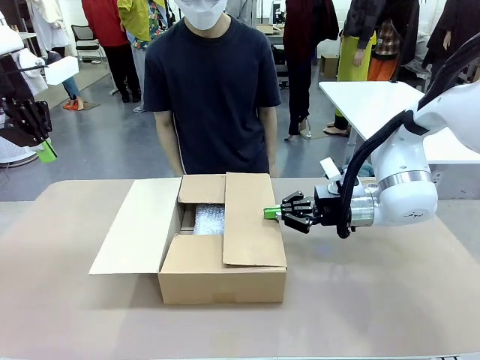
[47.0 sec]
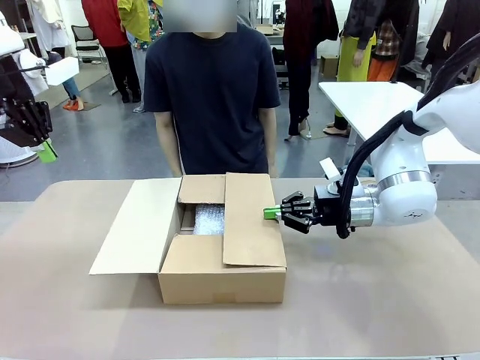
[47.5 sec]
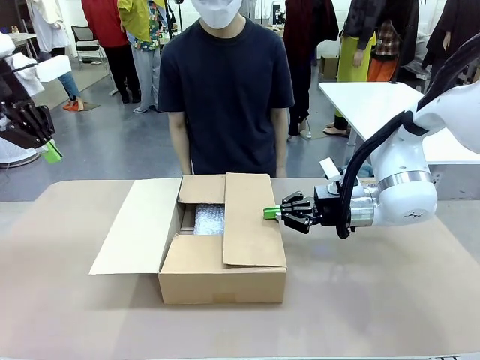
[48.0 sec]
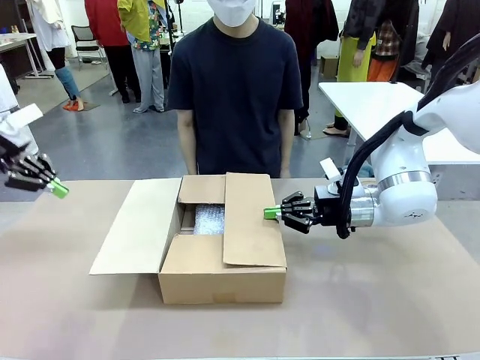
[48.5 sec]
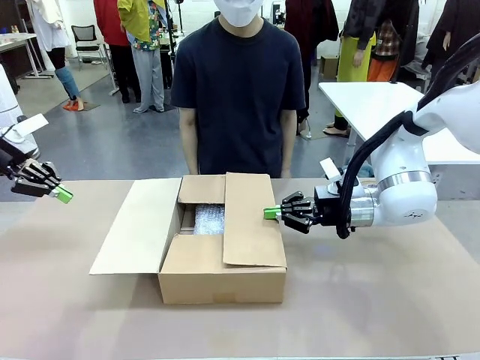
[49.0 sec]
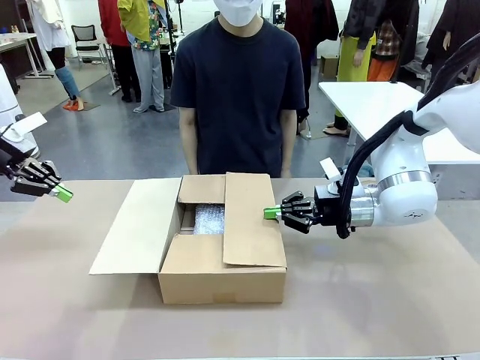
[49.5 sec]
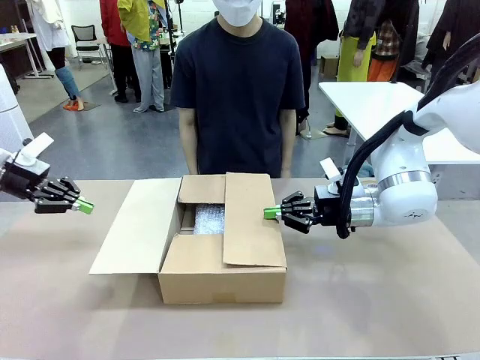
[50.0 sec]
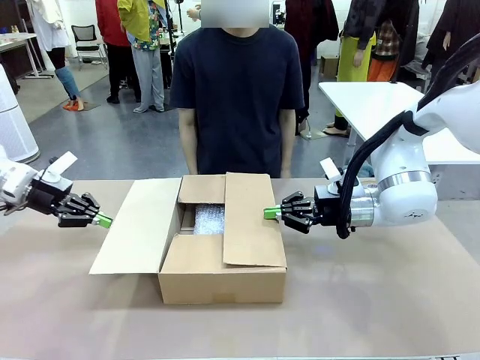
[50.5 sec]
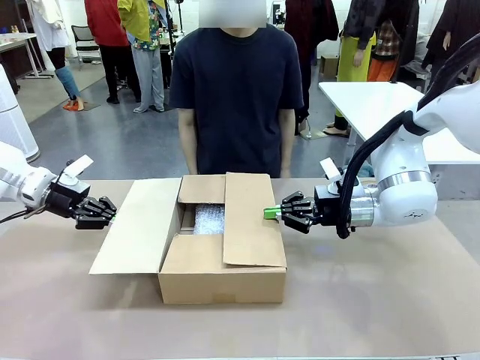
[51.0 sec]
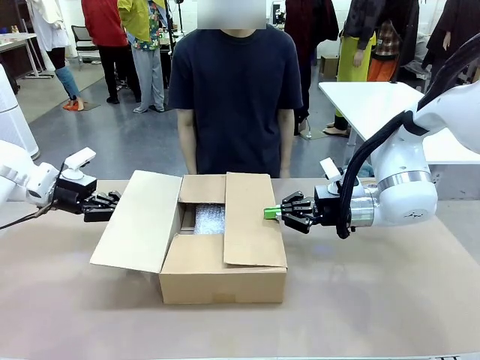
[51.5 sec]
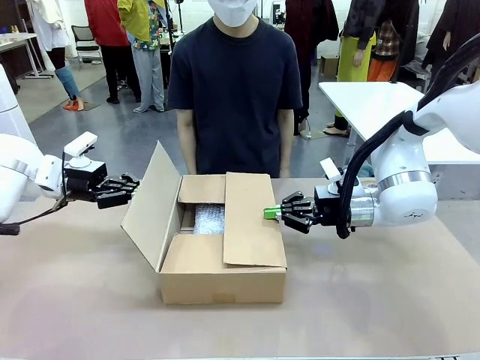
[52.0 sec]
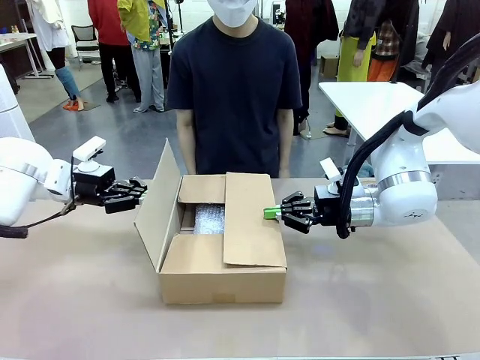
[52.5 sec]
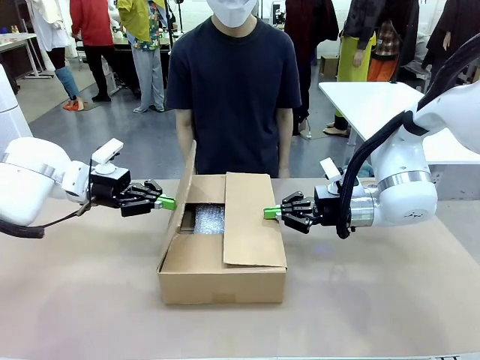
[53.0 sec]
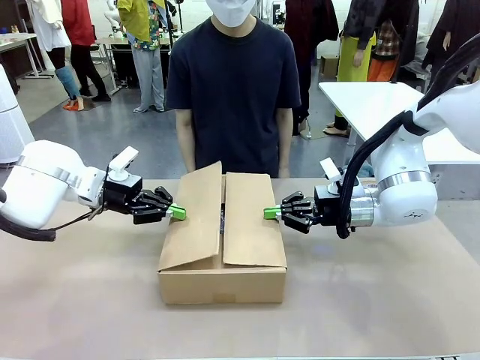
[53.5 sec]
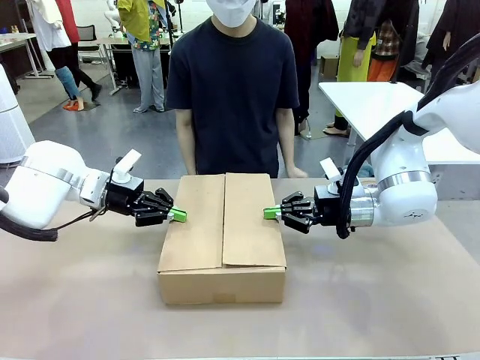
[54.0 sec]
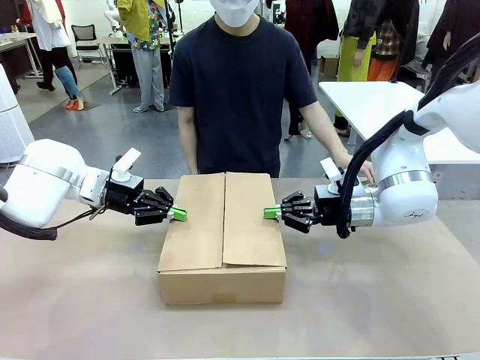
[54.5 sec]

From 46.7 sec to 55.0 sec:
Task: Wrap the clocks to prevent damage.
Robot: Push the left (or right) flap of the Package Box to close it.

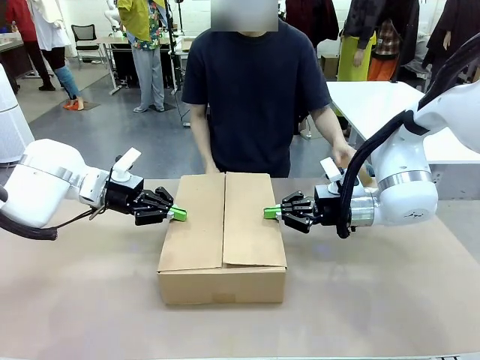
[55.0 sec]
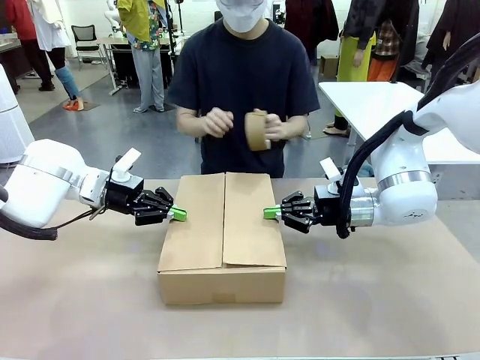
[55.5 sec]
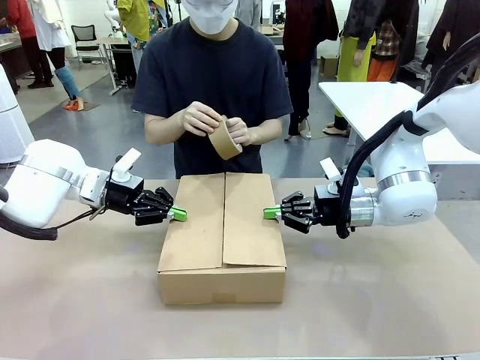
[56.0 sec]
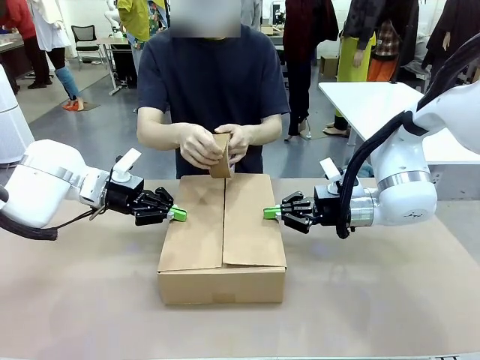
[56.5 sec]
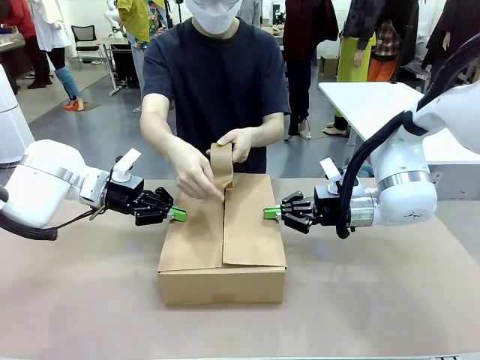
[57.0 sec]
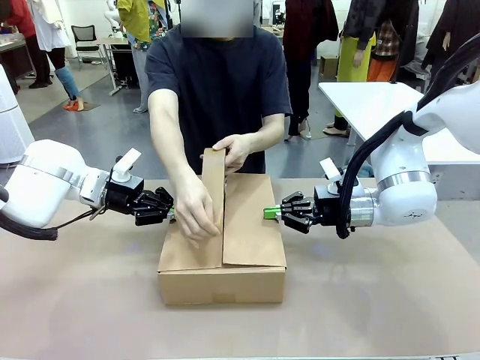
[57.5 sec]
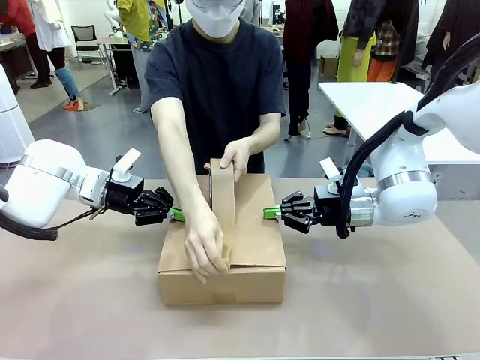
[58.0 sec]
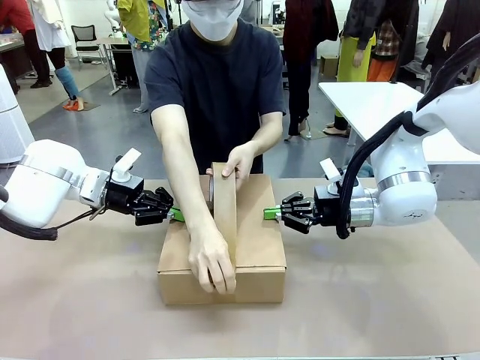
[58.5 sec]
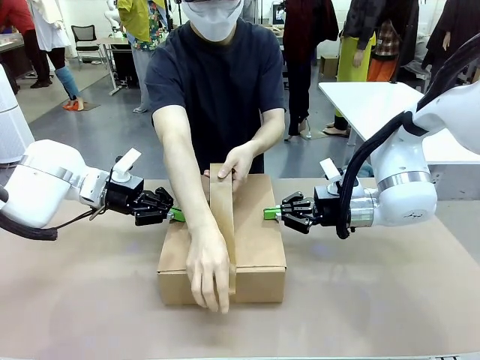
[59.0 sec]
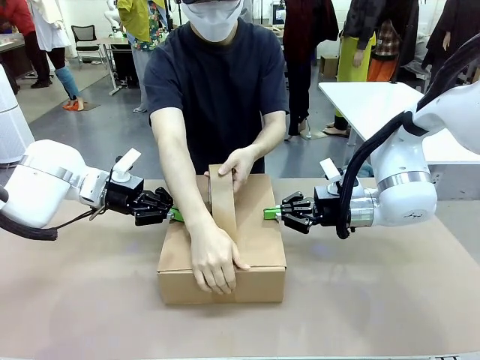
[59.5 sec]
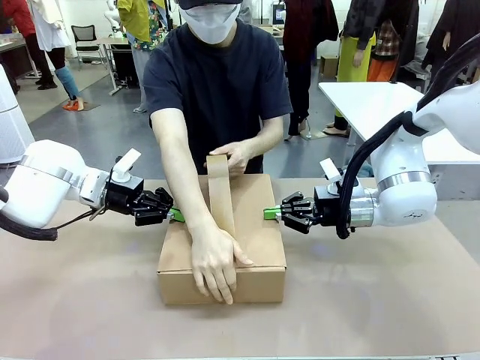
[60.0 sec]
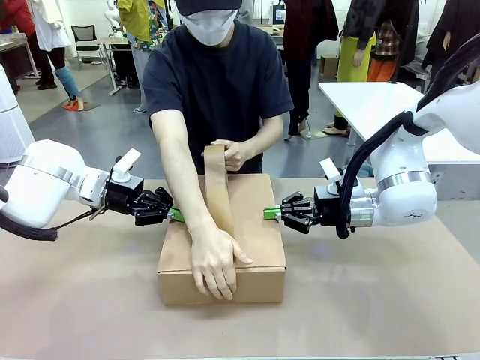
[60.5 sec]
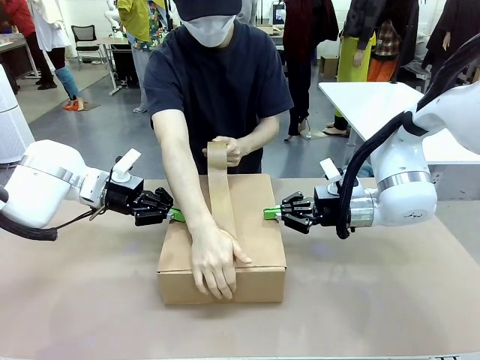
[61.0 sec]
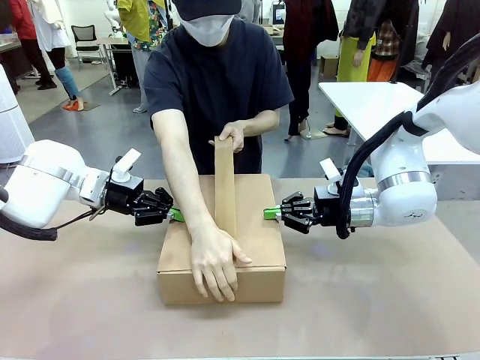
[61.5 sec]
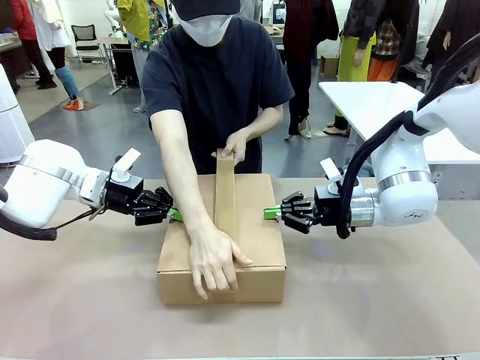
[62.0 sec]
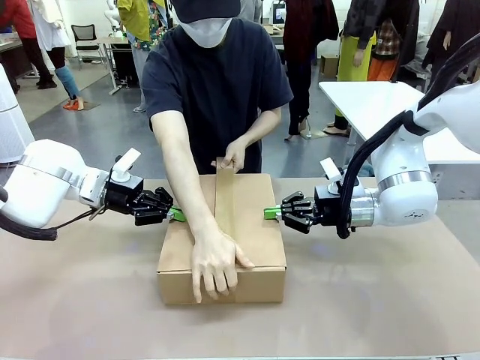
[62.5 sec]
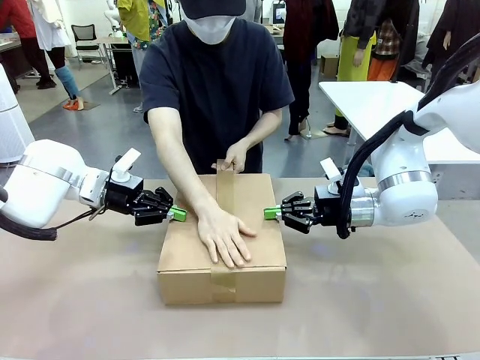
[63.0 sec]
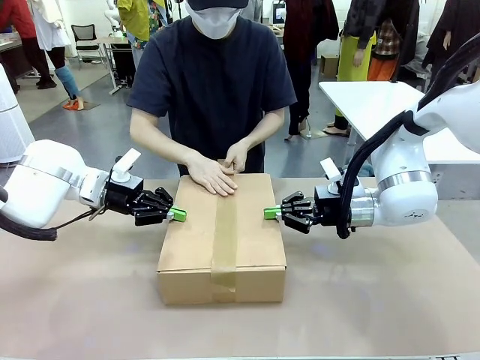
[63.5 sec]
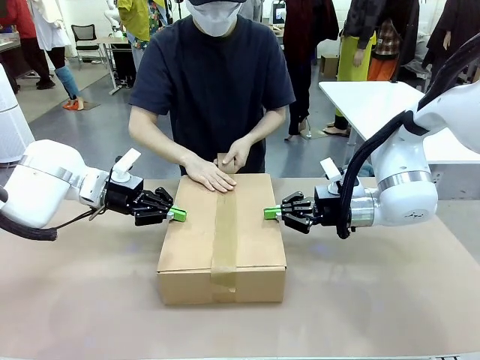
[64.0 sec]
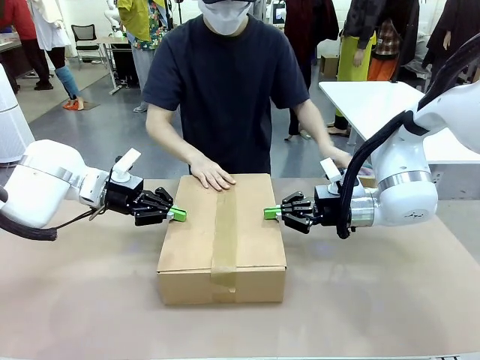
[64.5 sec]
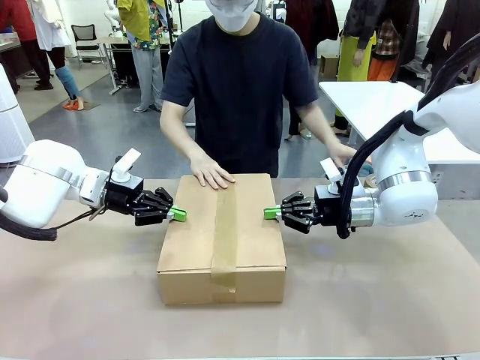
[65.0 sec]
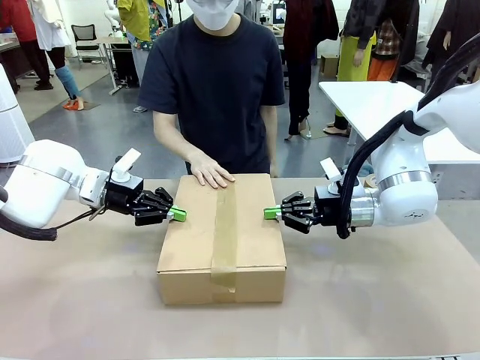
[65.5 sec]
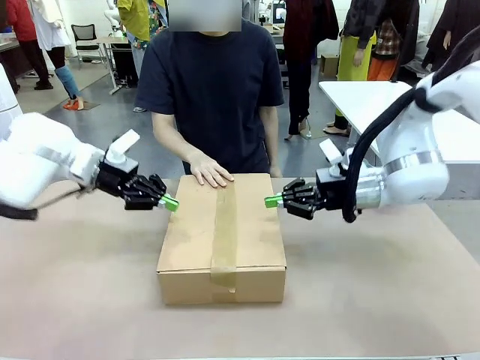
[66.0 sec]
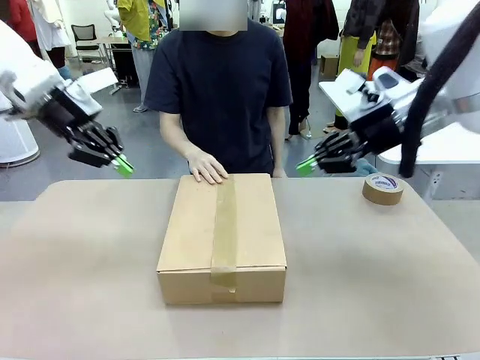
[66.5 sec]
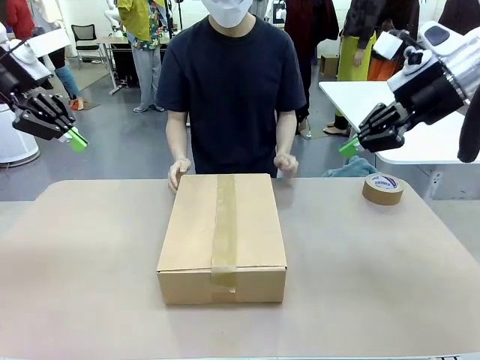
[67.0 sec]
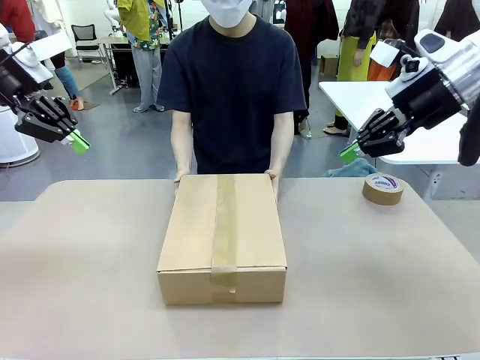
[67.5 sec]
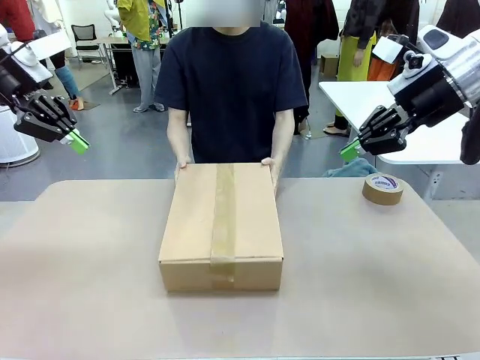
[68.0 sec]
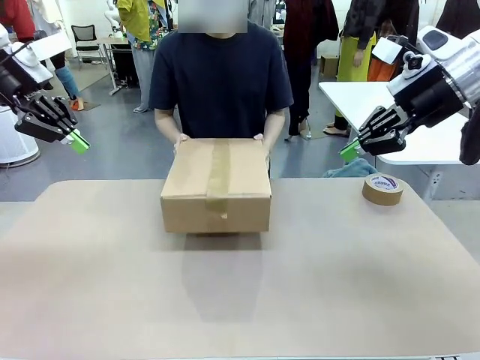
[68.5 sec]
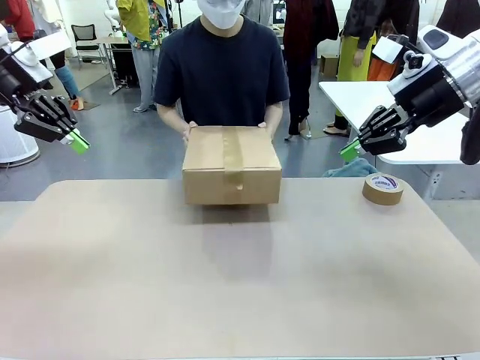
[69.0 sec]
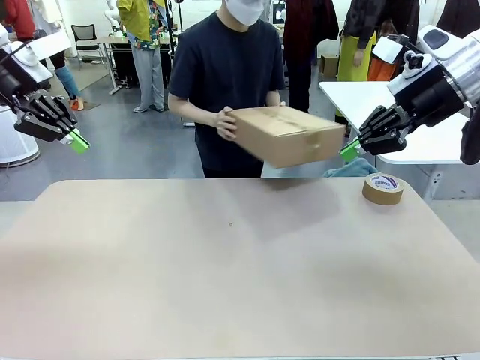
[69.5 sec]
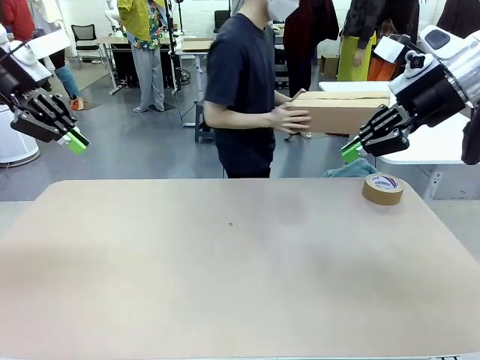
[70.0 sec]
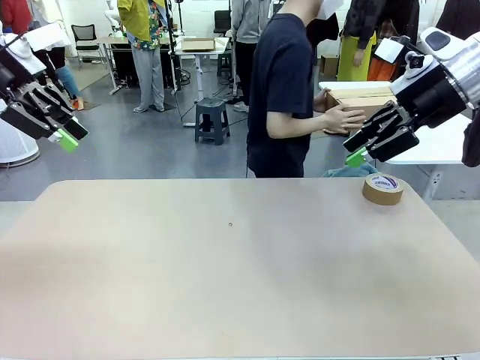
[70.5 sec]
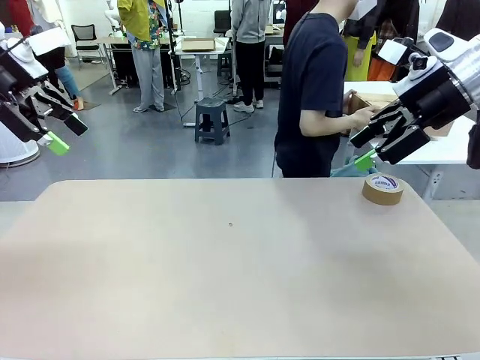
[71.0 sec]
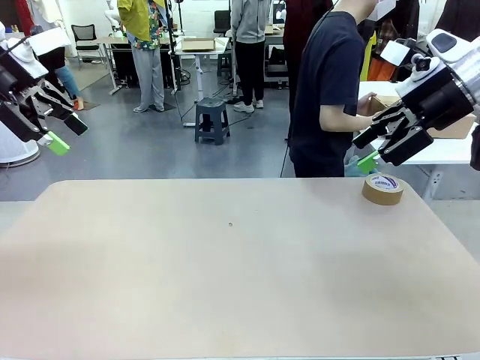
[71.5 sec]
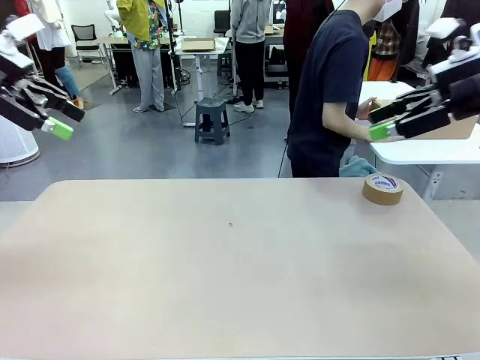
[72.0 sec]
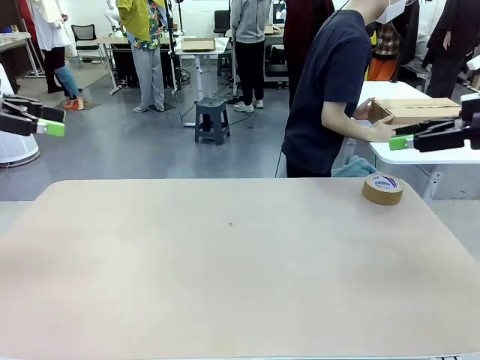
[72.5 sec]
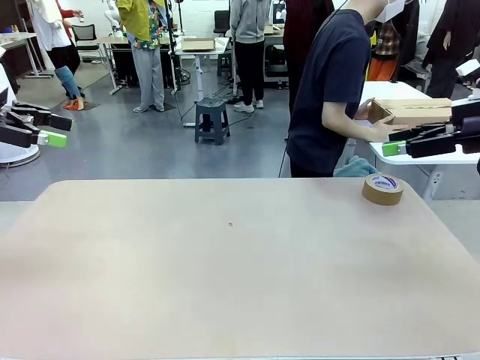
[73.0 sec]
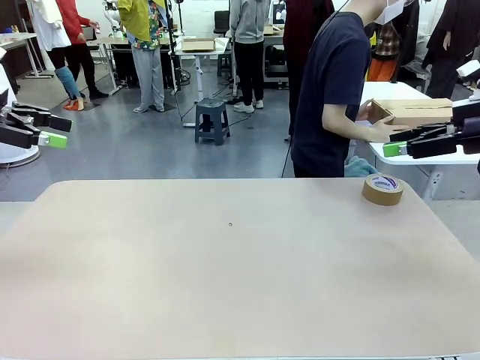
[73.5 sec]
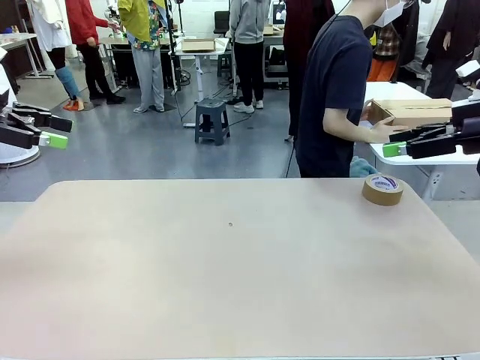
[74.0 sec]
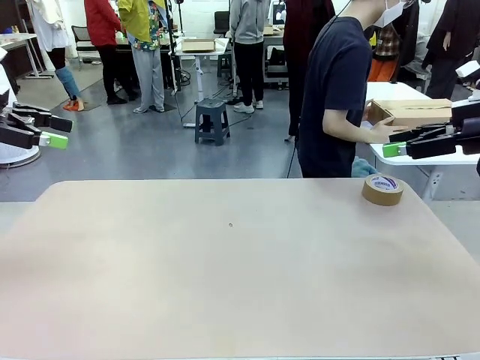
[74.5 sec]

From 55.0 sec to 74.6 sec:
Robot: After the human seals the box with tape, release both hands from the side flaps of the Package Box.
Person: Once the robot closes the left flap of the Package Box , seal the box with Paper Tape. Place sealed Package Box in the middle of the human's table.
